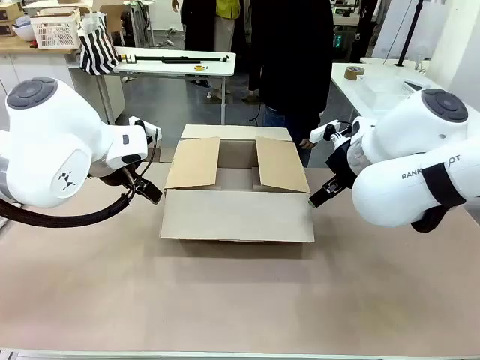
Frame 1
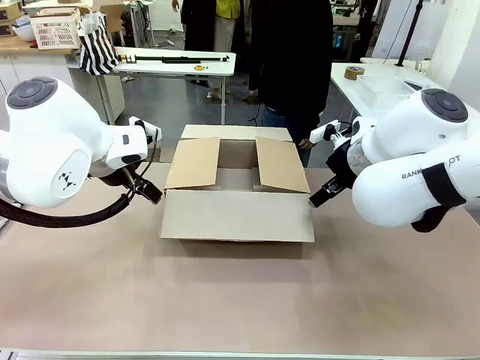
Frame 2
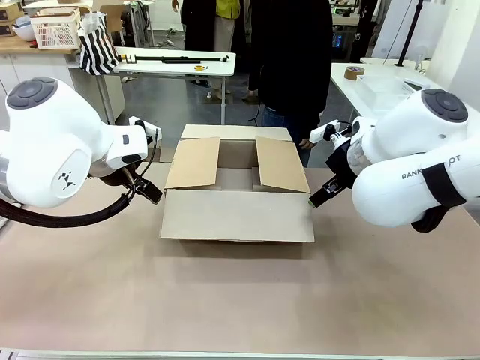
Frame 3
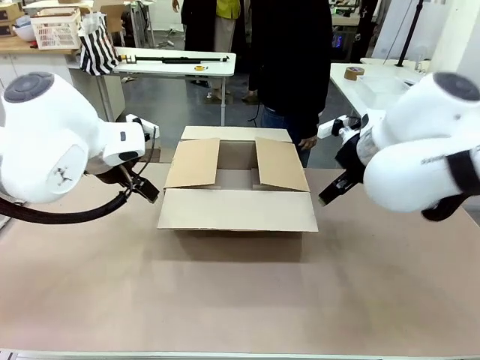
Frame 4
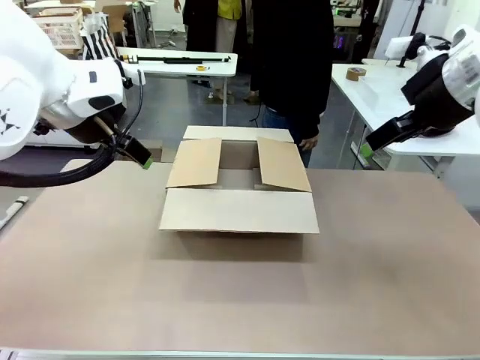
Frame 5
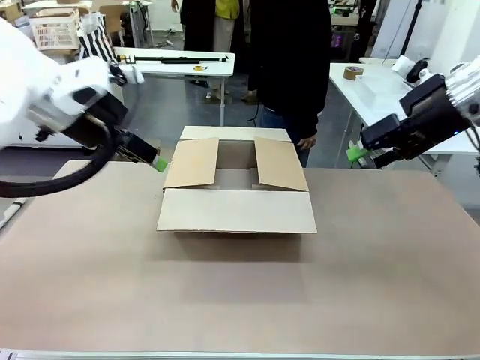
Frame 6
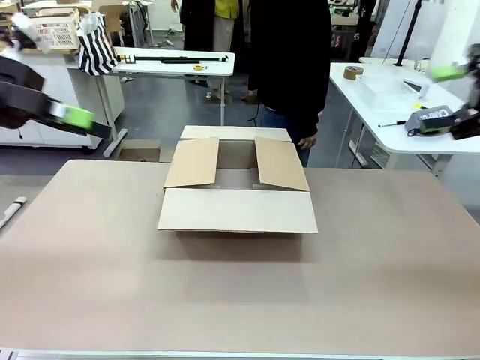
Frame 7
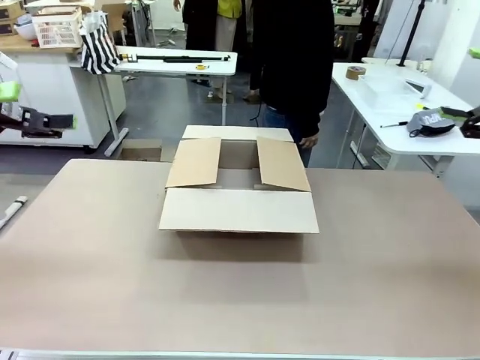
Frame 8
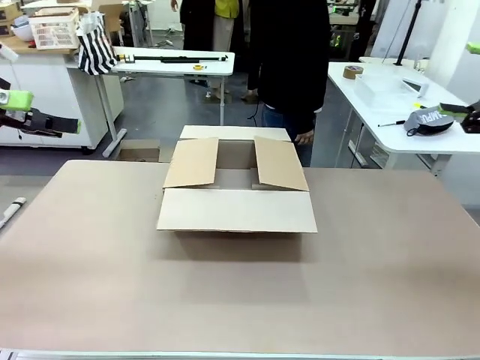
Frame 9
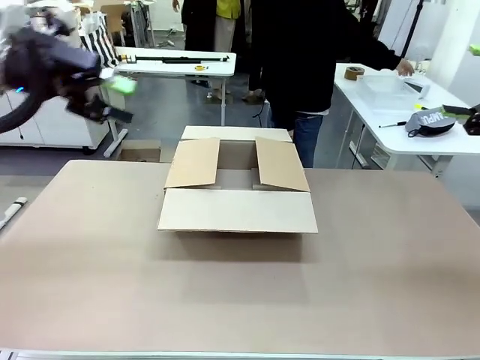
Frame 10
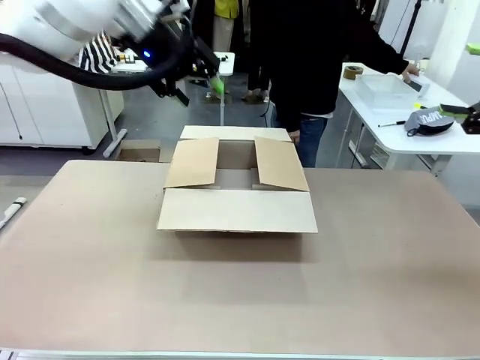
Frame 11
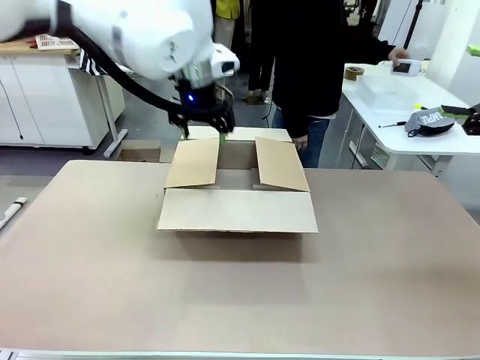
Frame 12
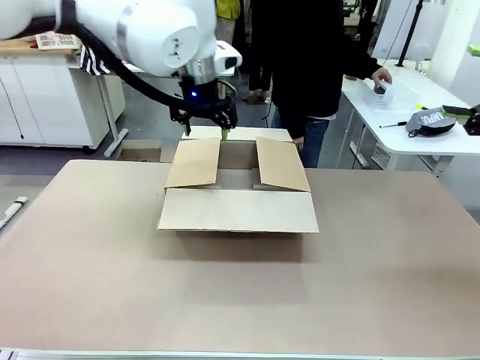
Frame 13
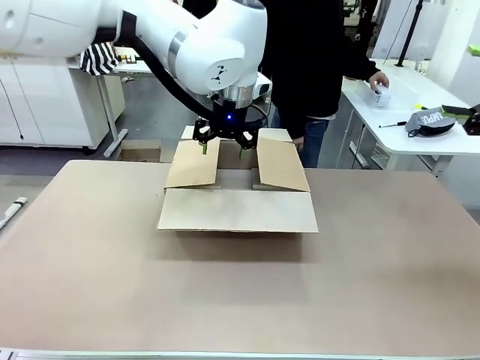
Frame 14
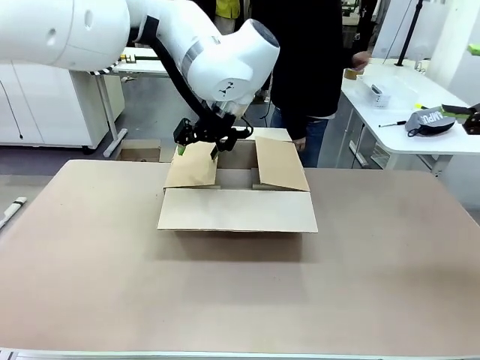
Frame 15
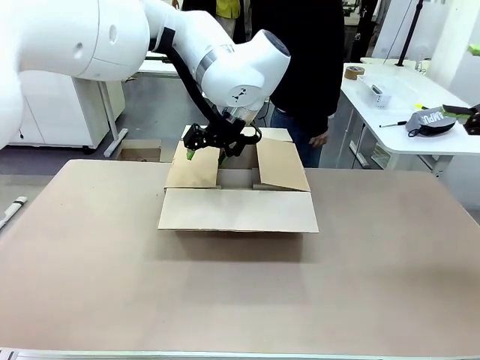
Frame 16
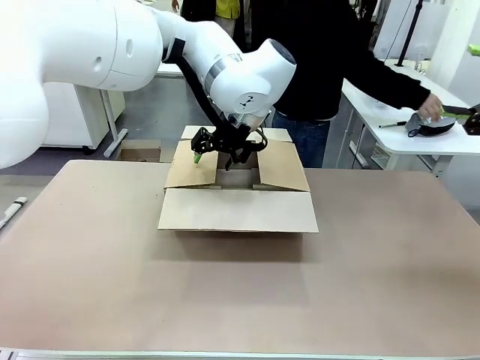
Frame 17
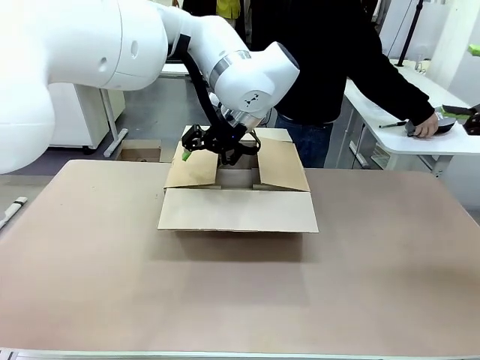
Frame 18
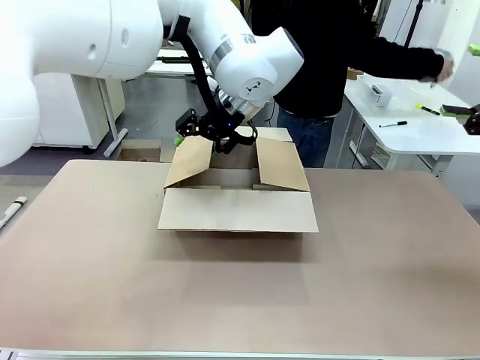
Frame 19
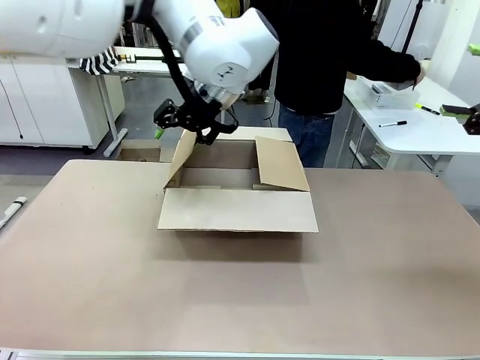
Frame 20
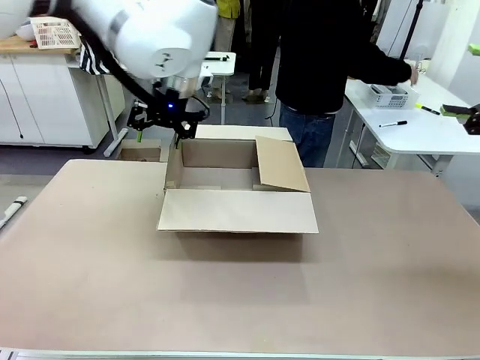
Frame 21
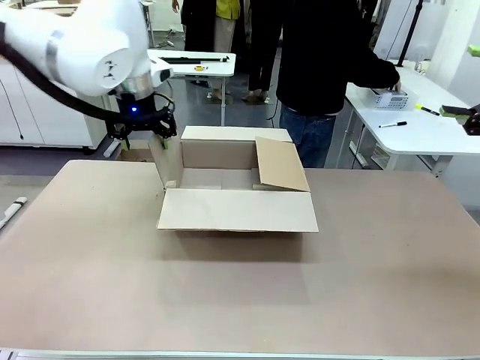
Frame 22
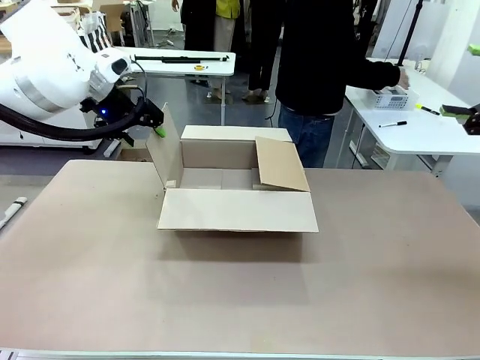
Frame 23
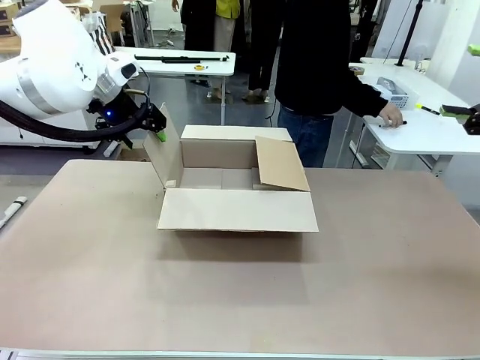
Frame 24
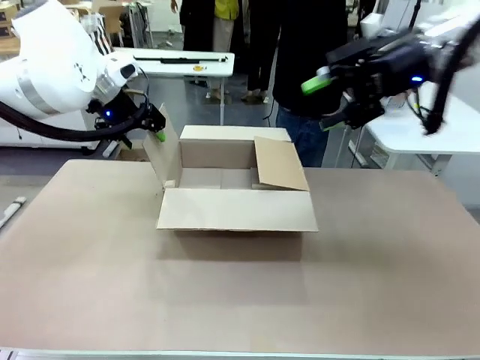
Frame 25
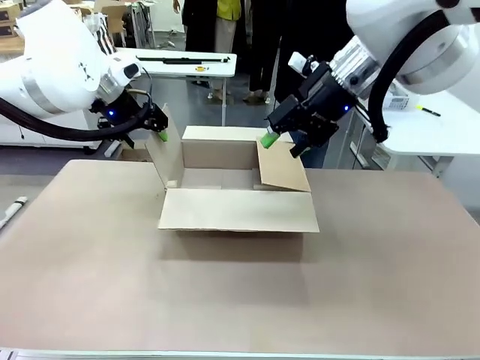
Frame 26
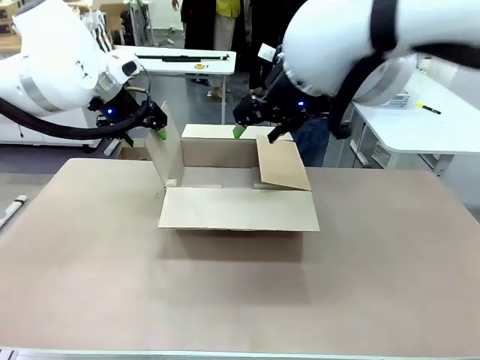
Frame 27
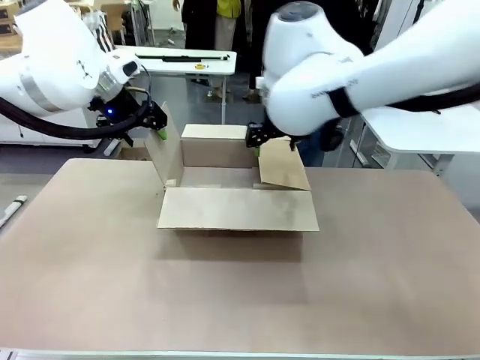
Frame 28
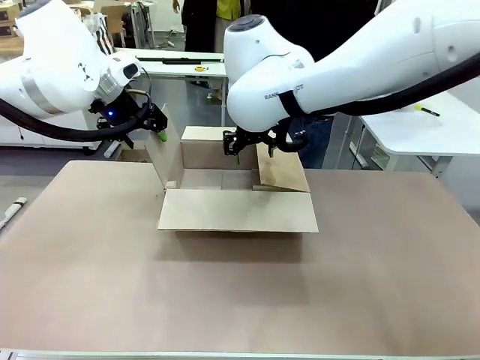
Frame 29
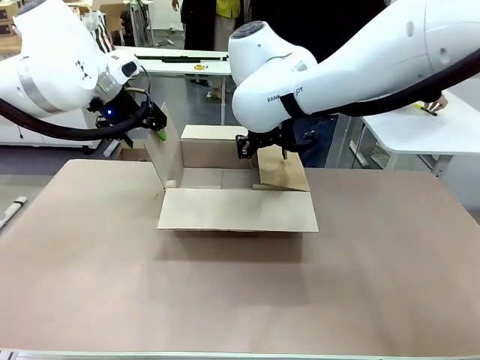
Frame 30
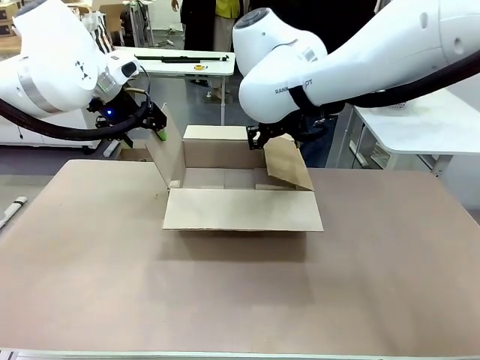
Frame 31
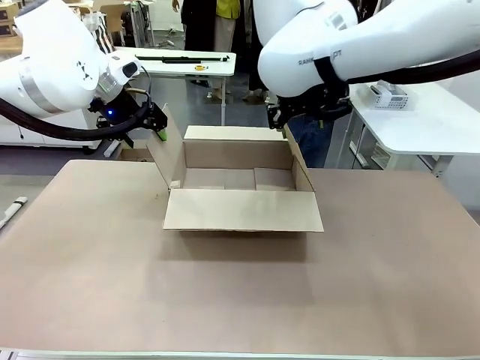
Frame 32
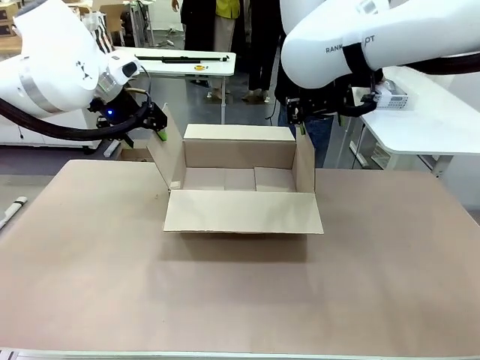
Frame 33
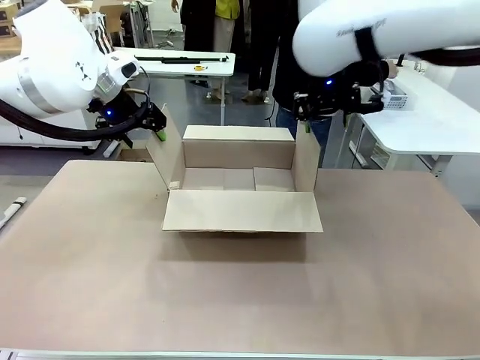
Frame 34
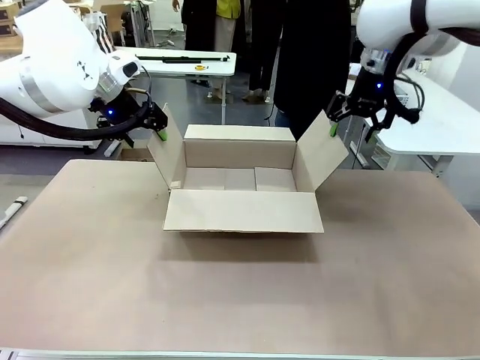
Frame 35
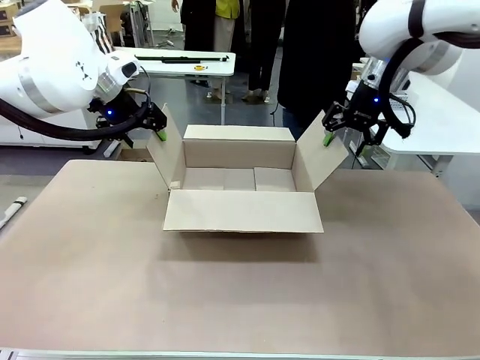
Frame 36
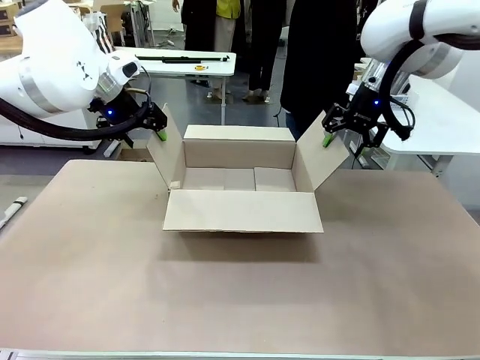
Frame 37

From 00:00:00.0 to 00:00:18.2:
Task: Pack the gift set into the box.
Robot: Place both hands on the side flaps of the Package Box and spread them outward.
Person: The human places all items except the paper tape into the organizing basket.

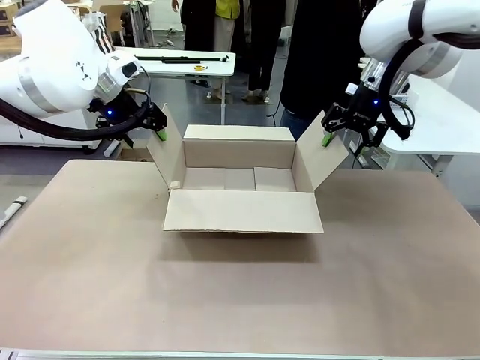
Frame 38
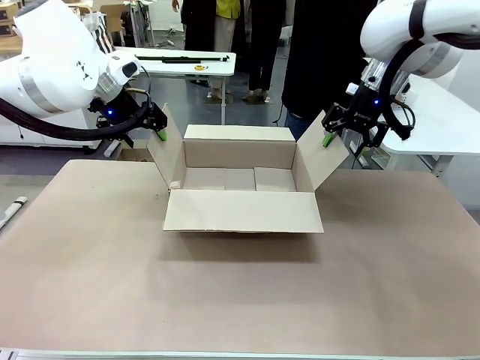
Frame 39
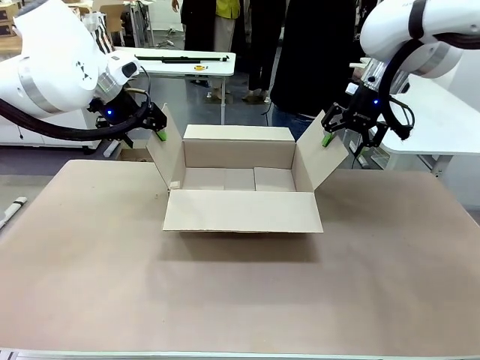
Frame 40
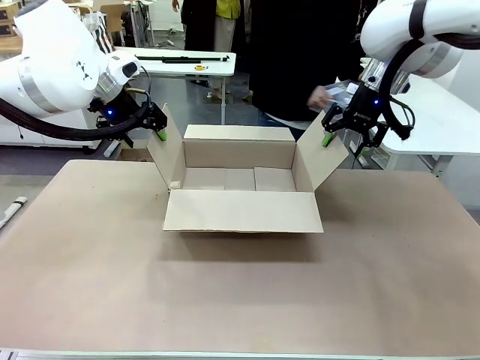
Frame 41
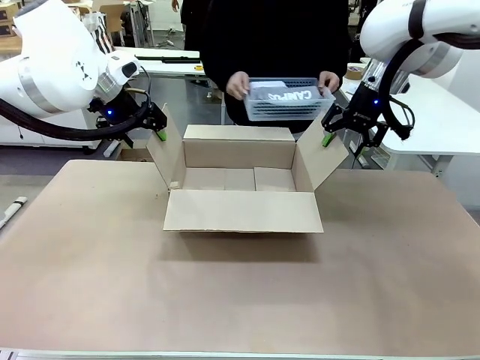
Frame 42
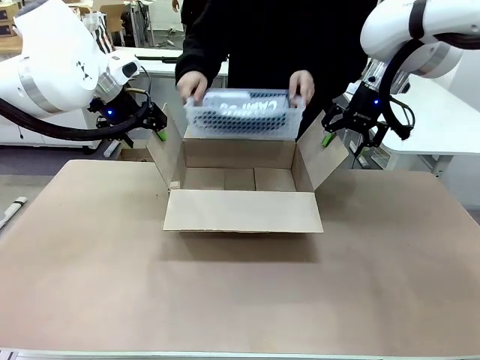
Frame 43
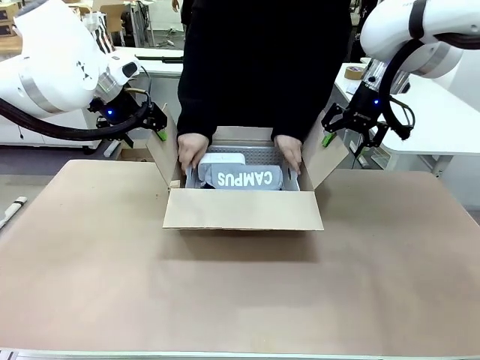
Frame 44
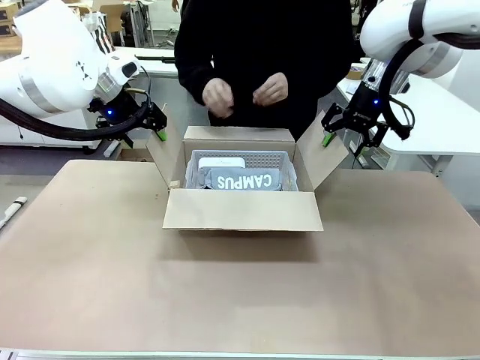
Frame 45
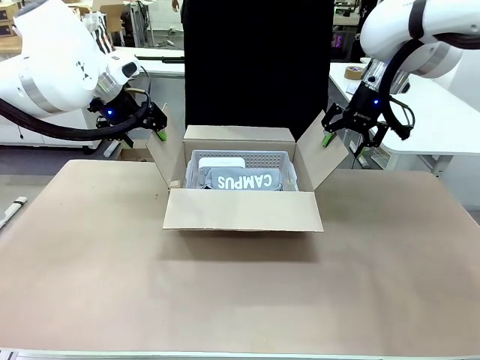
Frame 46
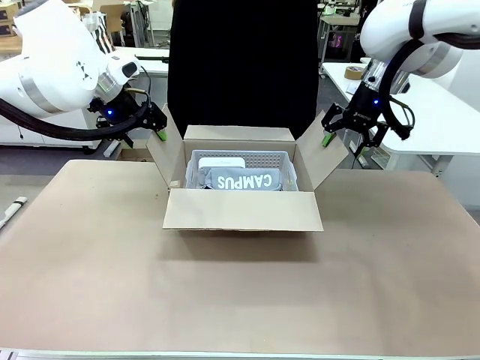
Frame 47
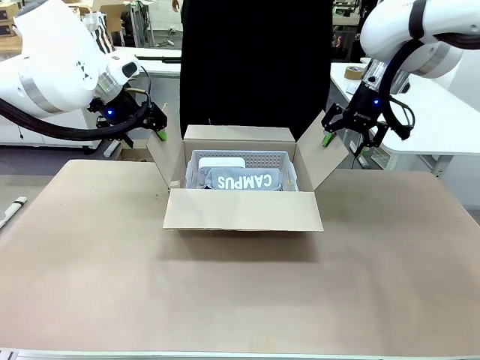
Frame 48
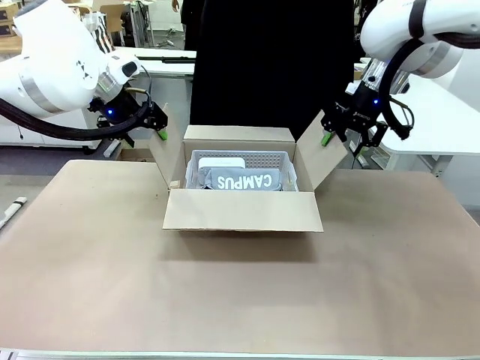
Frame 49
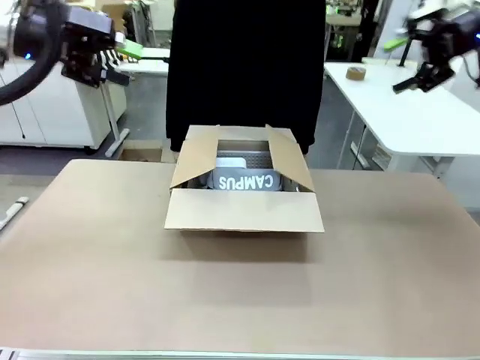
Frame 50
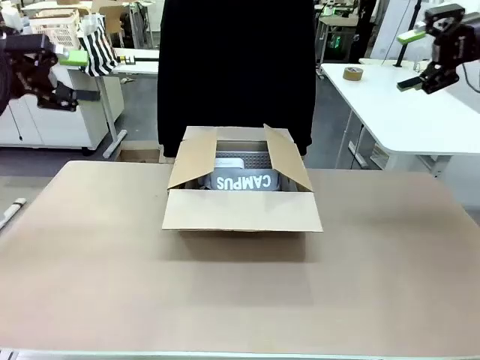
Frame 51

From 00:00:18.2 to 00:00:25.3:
Robot: Lift both hands away from the flaps of the Package Box.
Person: The human picks up the organizing basket and places the organizing basket into the package box on the robot table.
